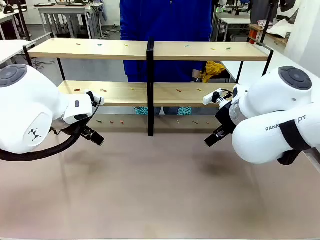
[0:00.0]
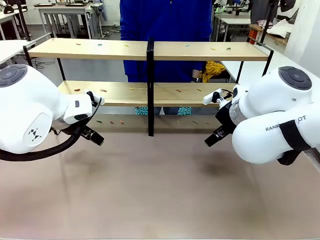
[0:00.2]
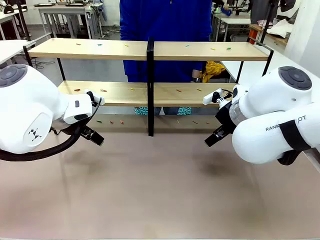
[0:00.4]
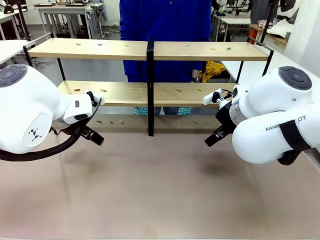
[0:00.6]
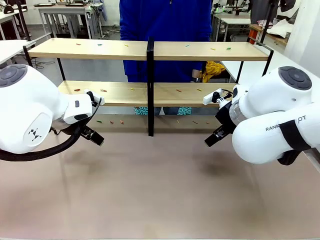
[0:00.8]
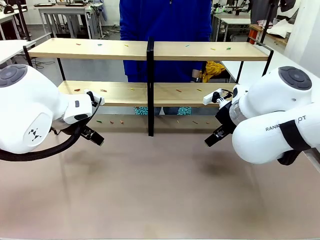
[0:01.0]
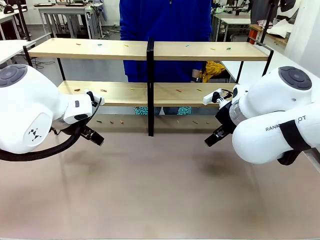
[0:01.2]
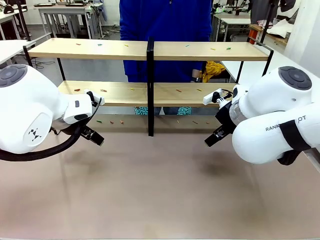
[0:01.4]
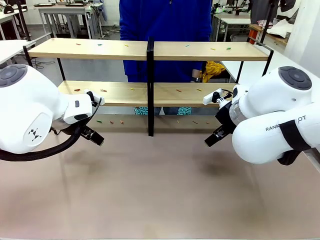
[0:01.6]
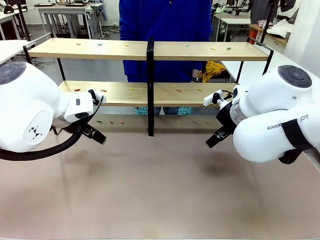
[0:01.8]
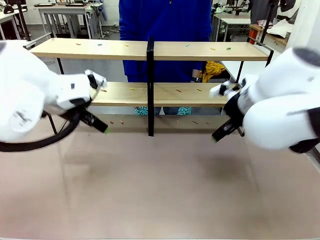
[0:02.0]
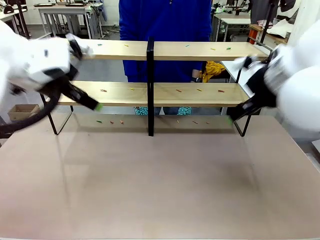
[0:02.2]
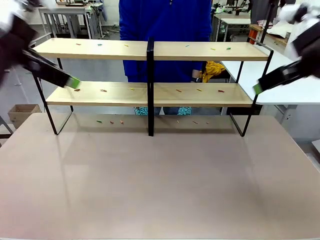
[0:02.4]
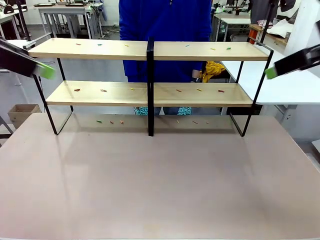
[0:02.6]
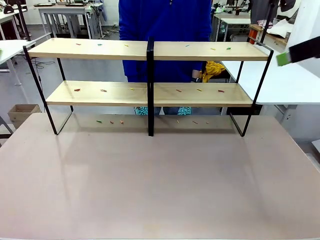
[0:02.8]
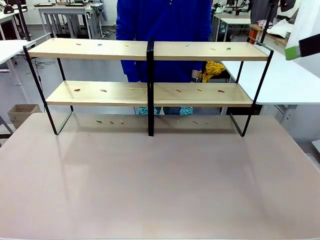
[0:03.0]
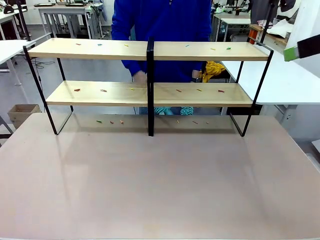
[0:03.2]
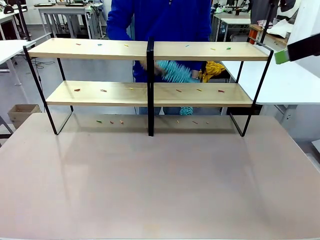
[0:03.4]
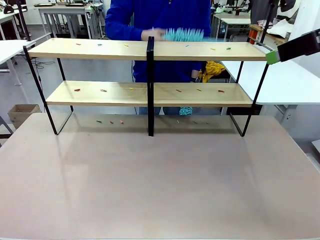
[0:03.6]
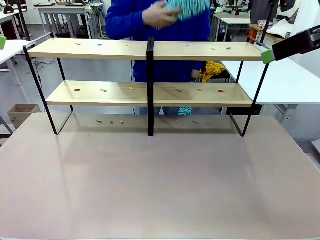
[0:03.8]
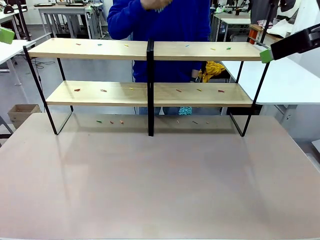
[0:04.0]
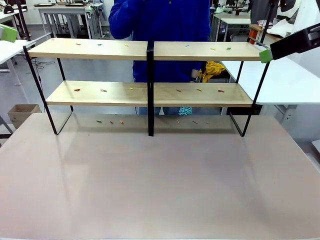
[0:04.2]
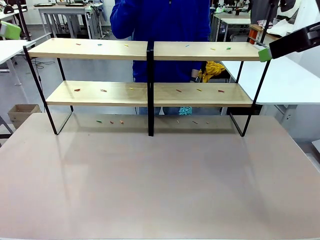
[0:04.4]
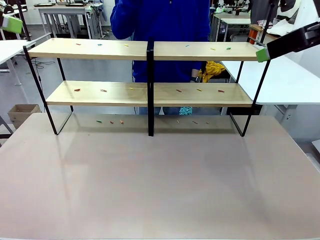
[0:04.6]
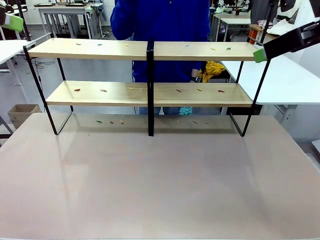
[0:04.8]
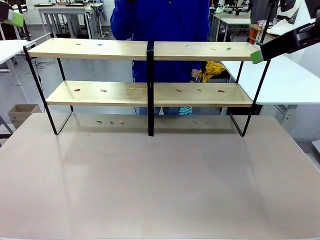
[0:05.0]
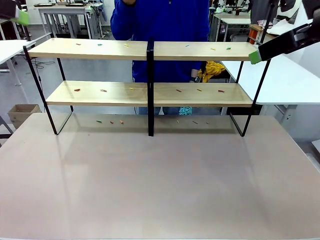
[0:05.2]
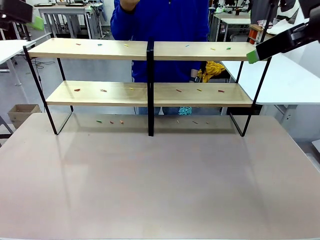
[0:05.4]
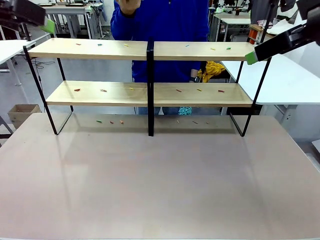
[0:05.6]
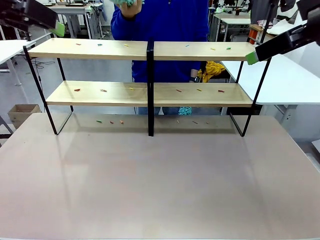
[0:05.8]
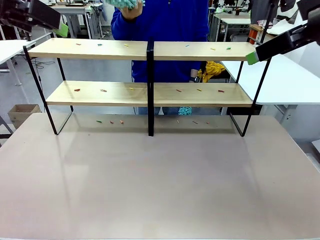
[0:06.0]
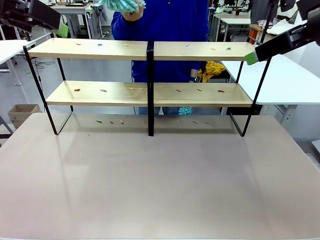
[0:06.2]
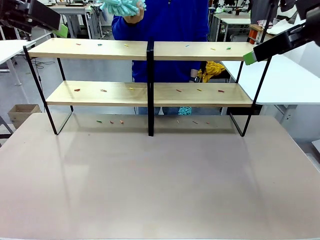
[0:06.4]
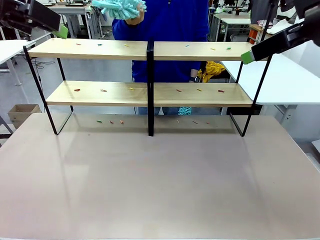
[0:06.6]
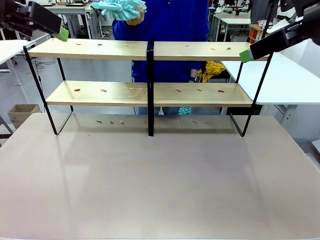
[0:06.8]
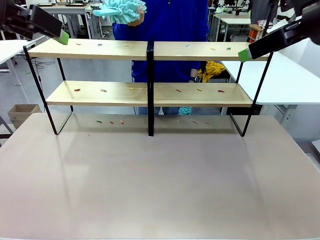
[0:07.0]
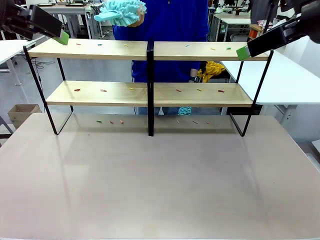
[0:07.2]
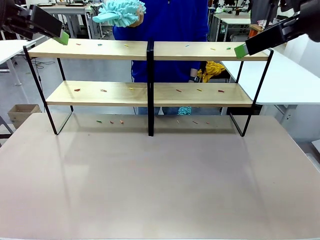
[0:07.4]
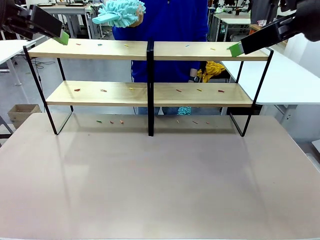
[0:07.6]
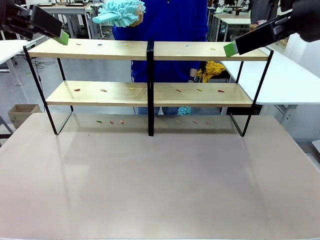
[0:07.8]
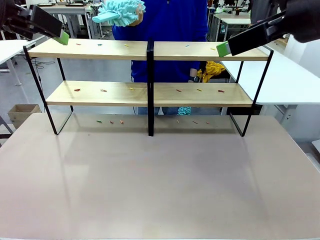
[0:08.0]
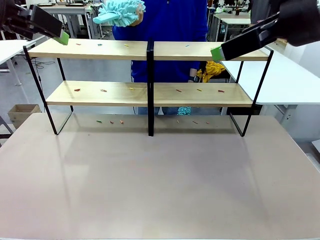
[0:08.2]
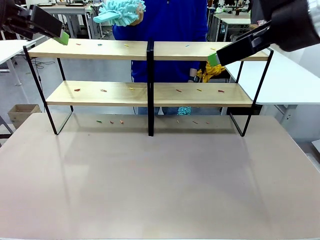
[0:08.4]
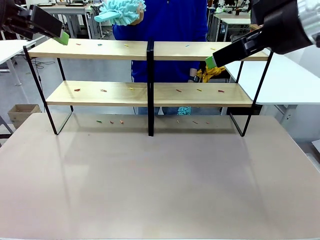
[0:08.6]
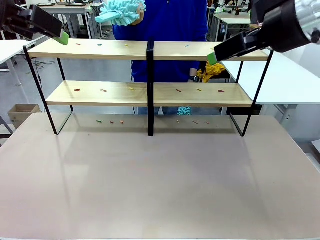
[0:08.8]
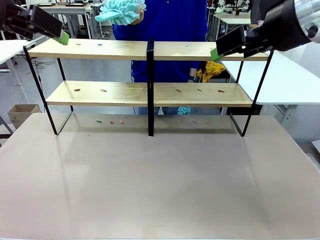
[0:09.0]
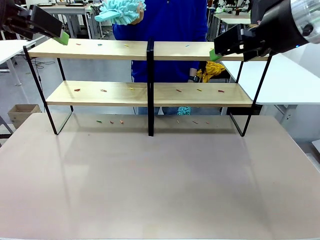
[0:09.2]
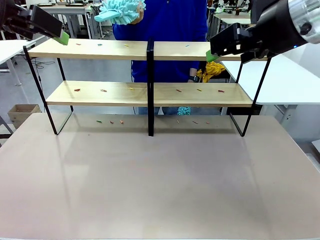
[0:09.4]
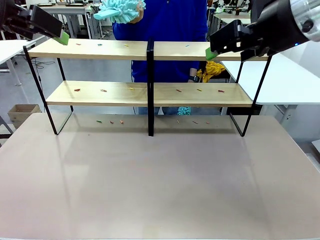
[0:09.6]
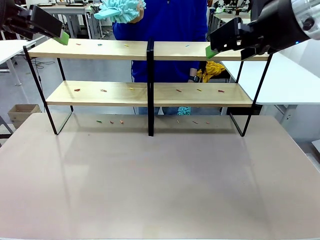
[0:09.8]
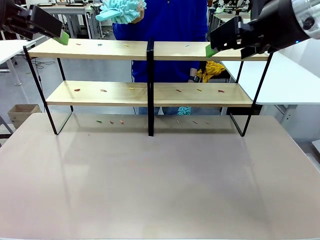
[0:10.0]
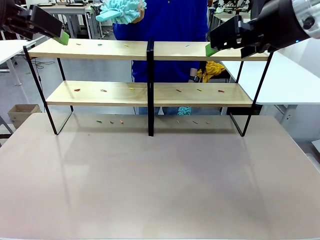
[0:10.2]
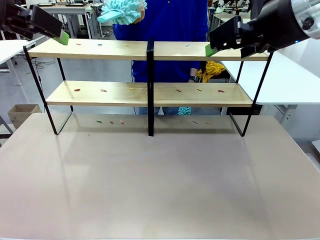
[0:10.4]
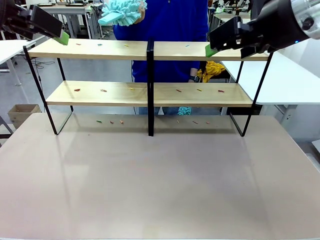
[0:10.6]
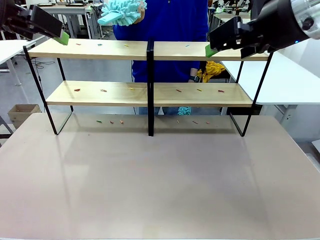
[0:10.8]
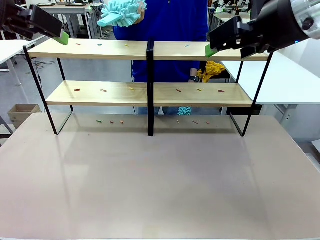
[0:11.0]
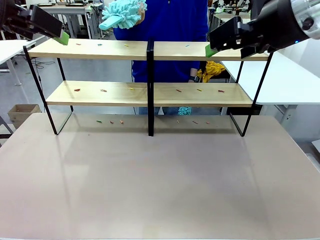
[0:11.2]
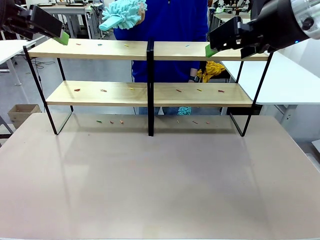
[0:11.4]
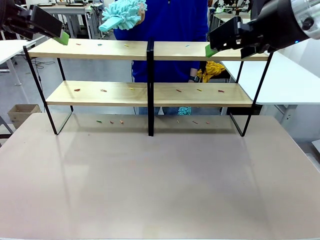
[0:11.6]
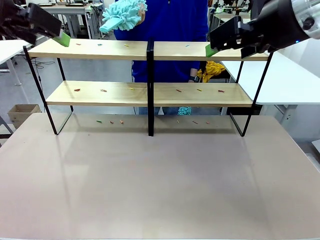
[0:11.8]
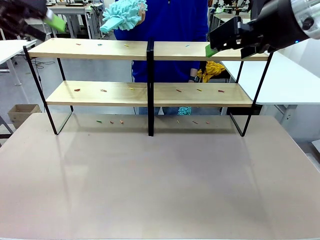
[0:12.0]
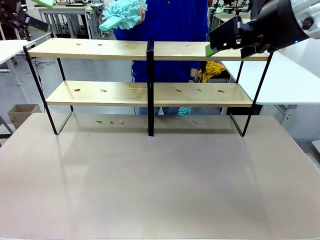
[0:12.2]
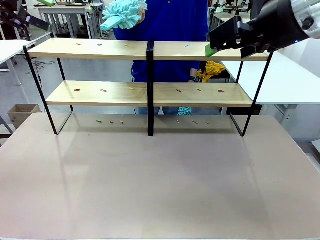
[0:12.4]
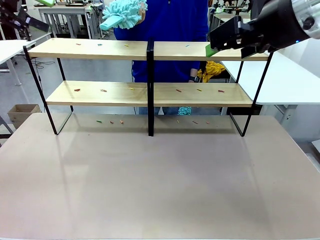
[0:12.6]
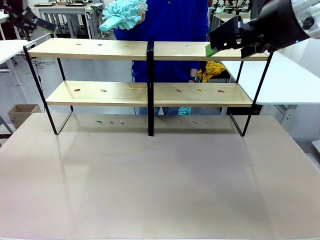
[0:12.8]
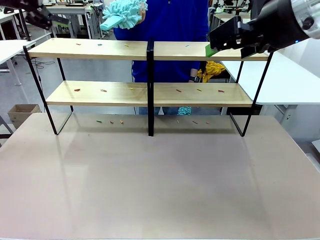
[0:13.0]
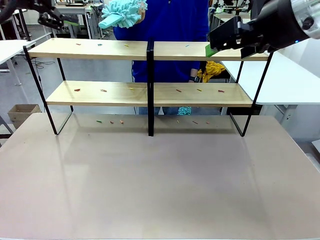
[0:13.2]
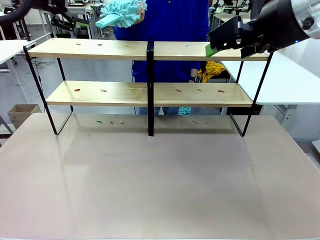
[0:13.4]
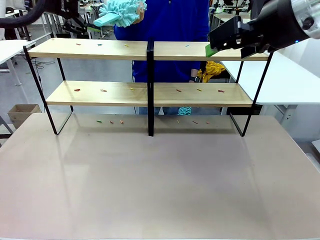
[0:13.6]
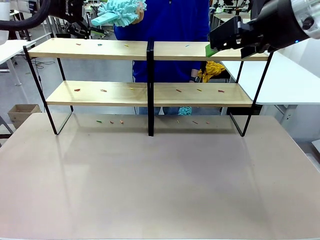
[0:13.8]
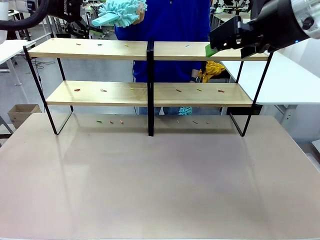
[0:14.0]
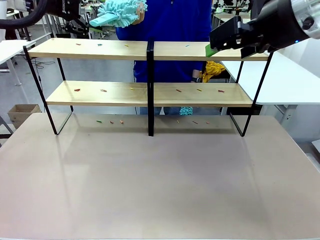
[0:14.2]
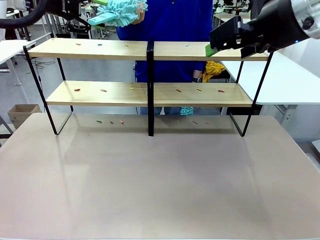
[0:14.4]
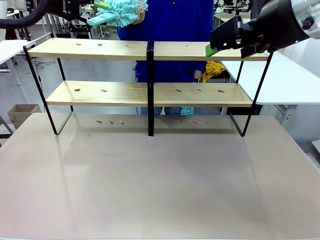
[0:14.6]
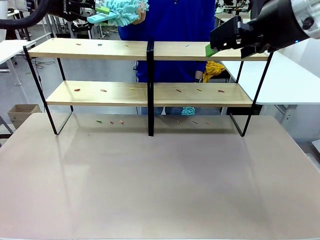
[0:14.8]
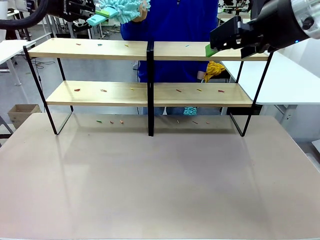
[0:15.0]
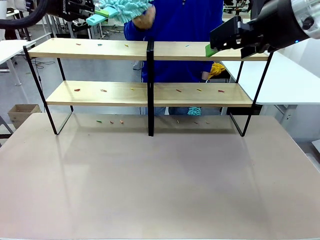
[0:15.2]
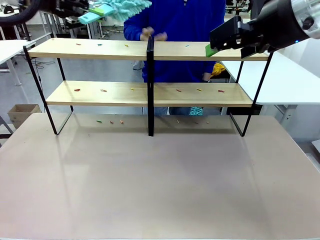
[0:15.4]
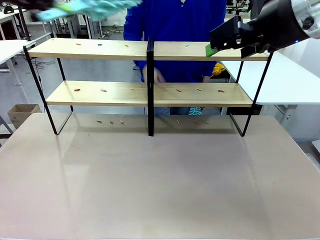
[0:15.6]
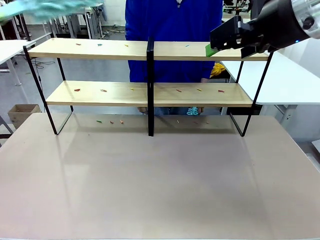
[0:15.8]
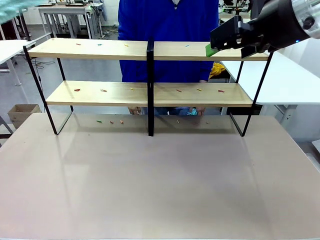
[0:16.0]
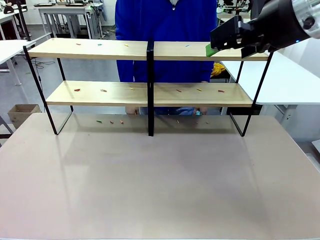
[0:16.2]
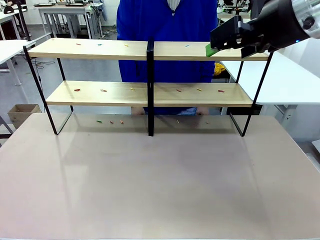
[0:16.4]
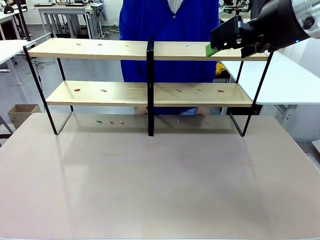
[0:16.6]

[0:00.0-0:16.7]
Task: Clean the shelves.
Robot: Pick up the Duster when the human hands it over.
Person: Hand the Duster to the robot with your right (or left) hand.
